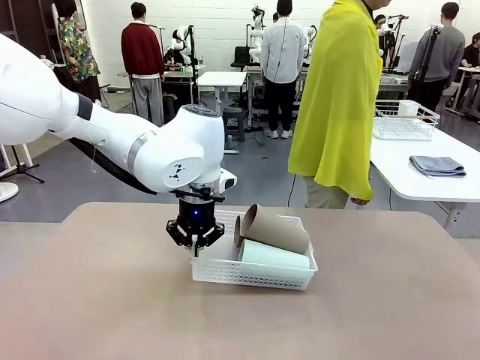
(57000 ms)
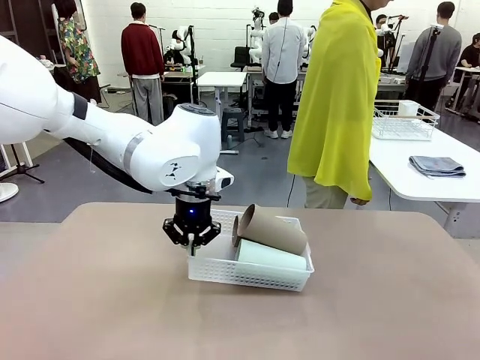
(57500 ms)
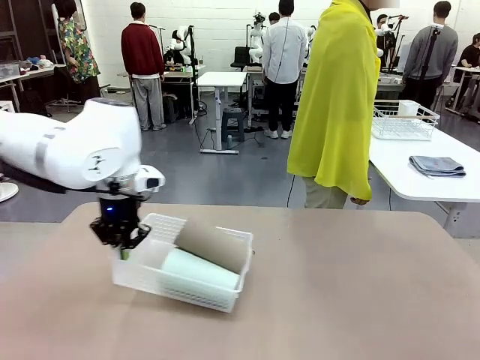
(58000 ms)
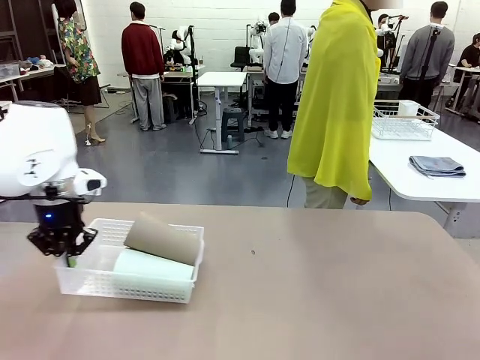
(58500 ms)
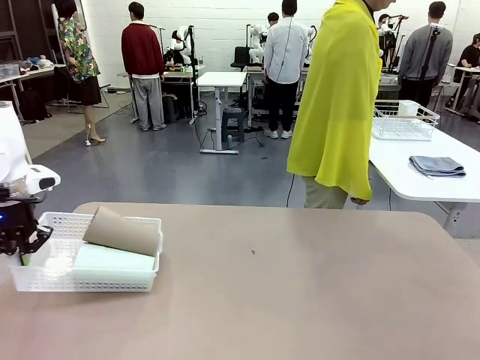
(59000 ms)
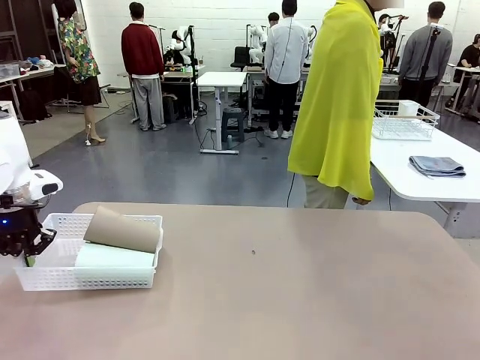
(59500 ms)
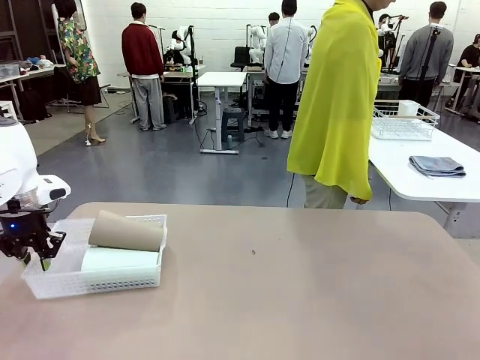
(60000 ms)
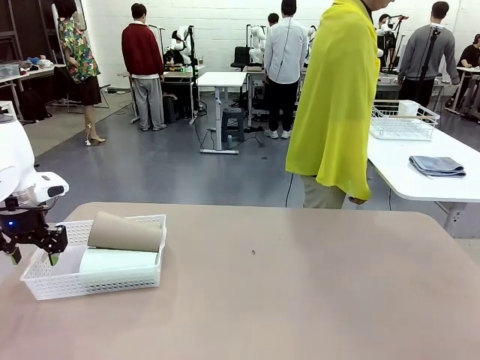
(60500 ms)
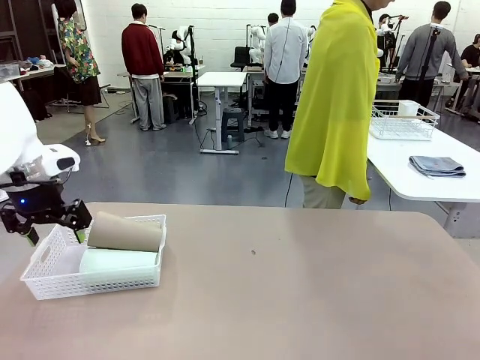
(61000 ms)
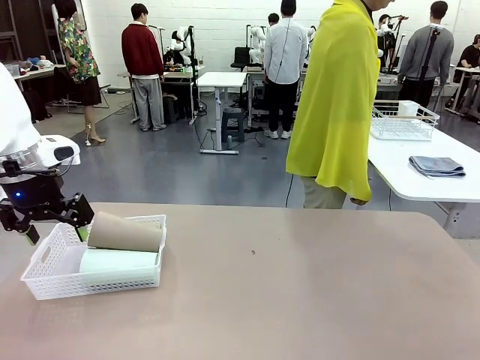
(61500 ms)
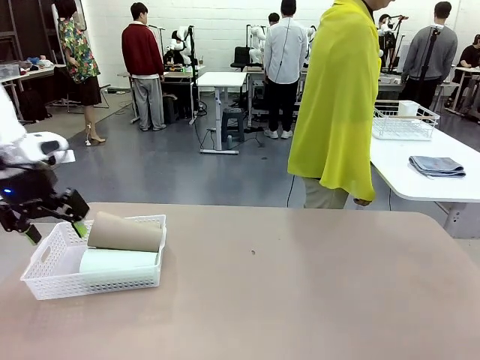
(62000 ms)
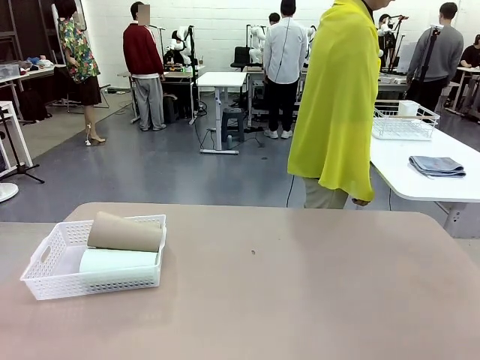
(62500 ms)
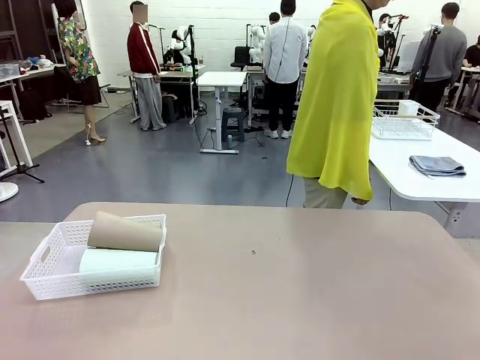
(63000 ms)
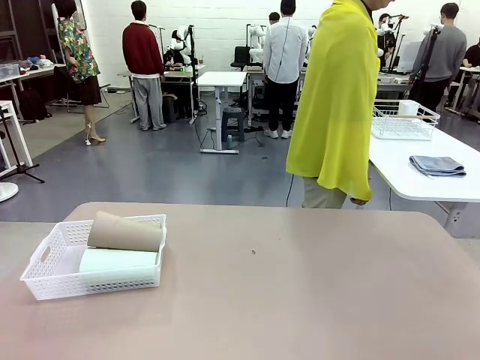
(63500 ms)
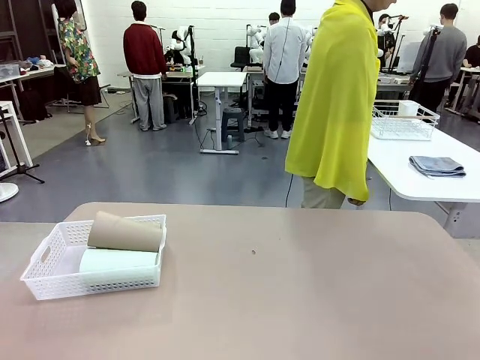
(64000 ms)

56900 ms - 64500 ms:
Task: Clean and organize the cups into the basket.
Robot: Move the Organizing basket back to the left side of the table.

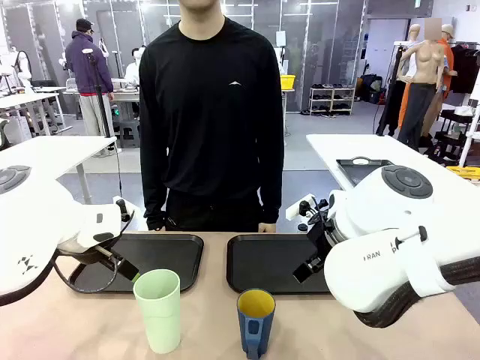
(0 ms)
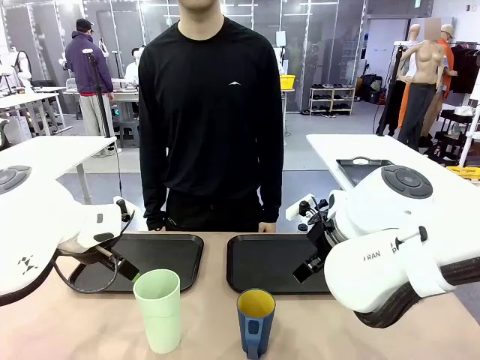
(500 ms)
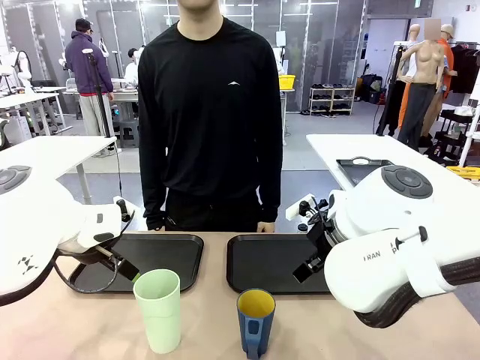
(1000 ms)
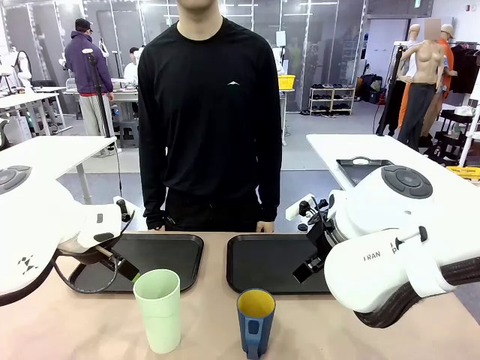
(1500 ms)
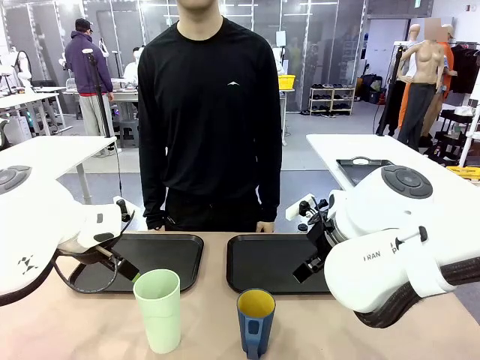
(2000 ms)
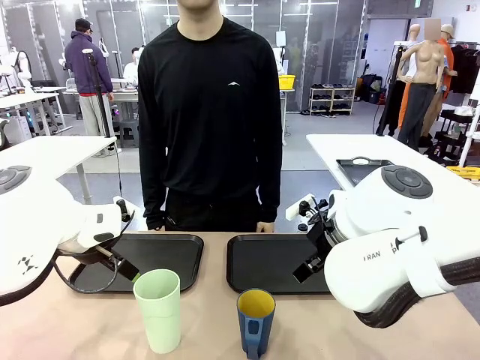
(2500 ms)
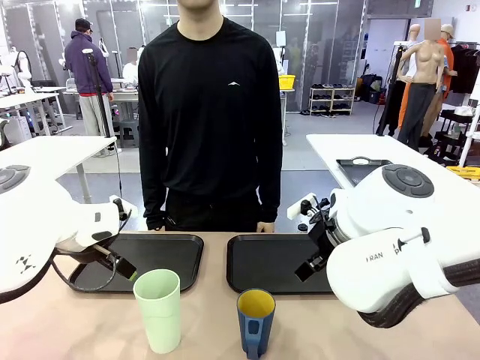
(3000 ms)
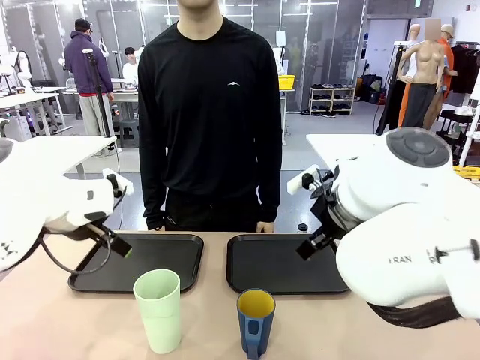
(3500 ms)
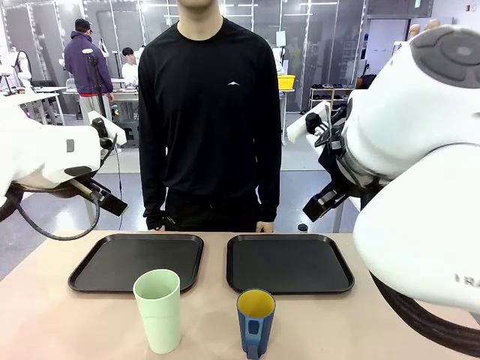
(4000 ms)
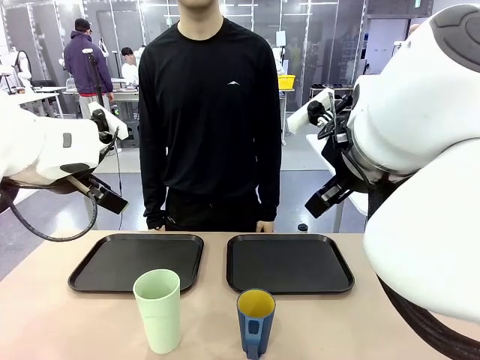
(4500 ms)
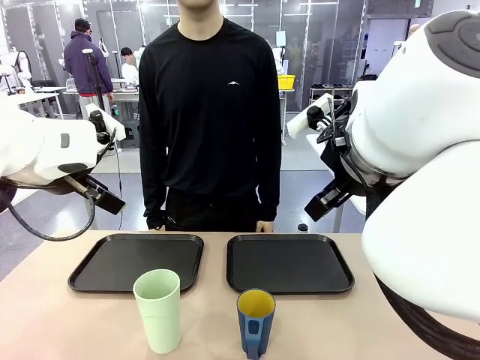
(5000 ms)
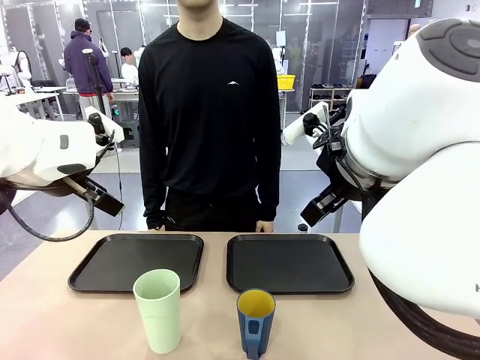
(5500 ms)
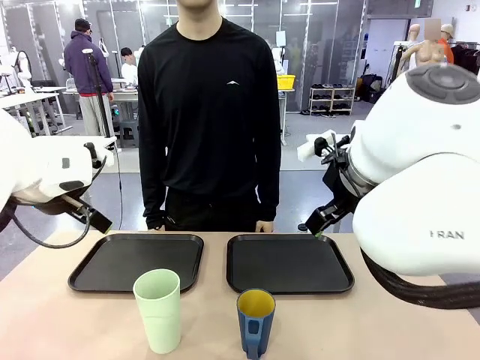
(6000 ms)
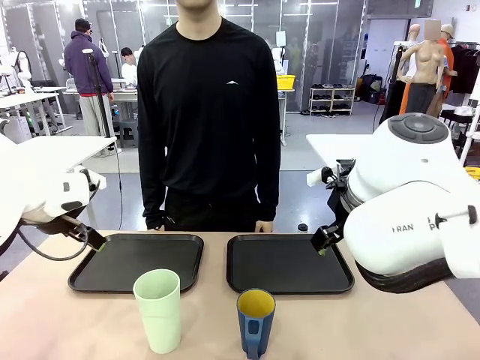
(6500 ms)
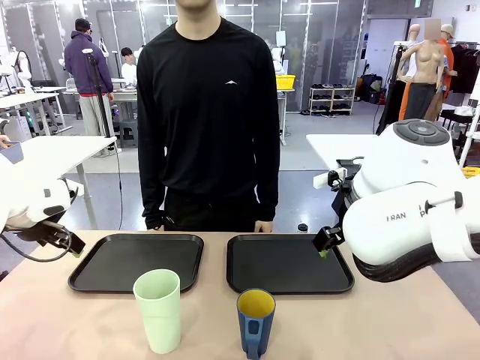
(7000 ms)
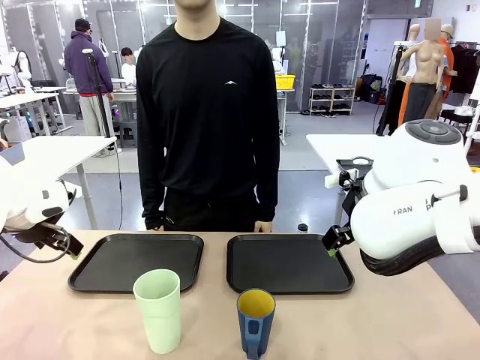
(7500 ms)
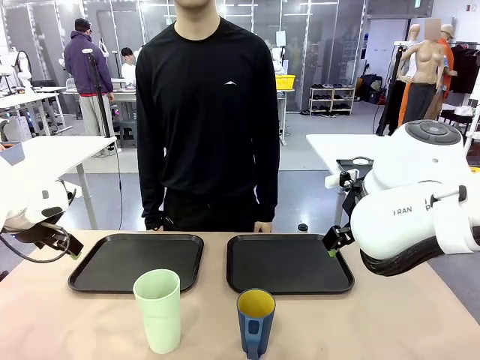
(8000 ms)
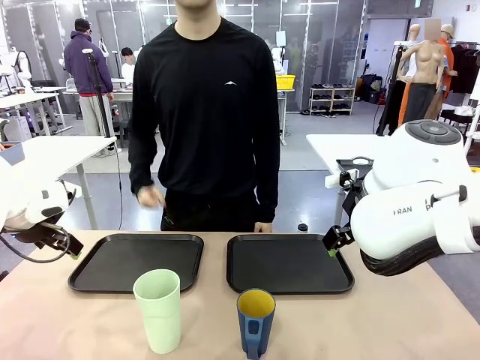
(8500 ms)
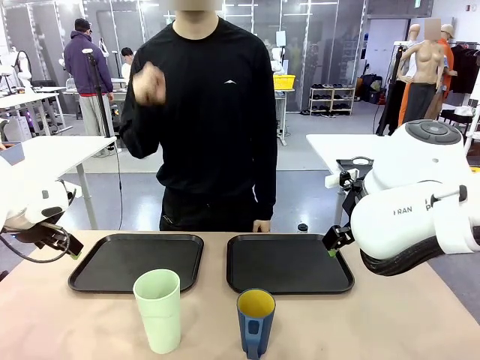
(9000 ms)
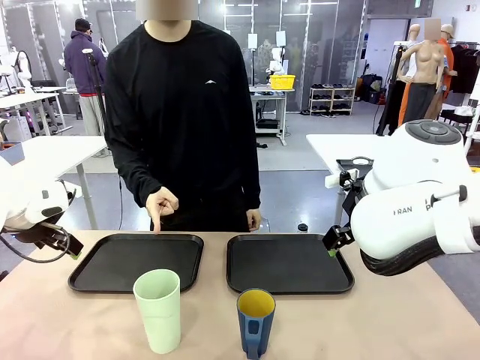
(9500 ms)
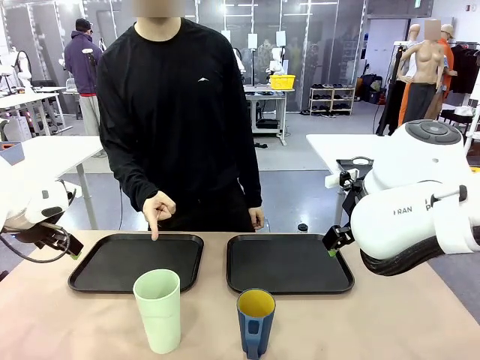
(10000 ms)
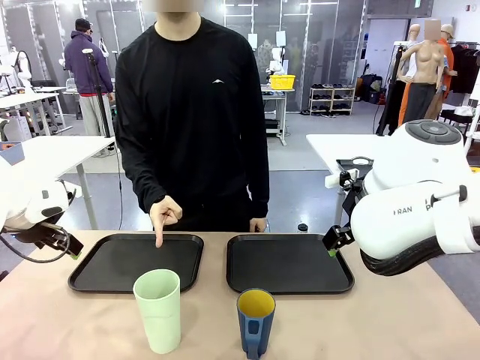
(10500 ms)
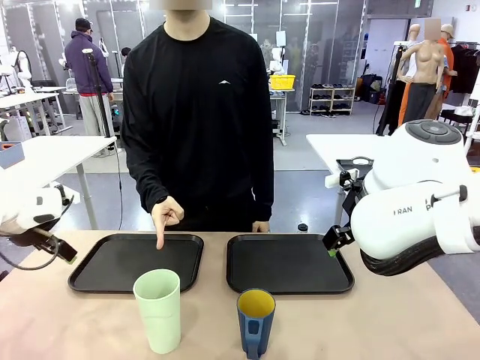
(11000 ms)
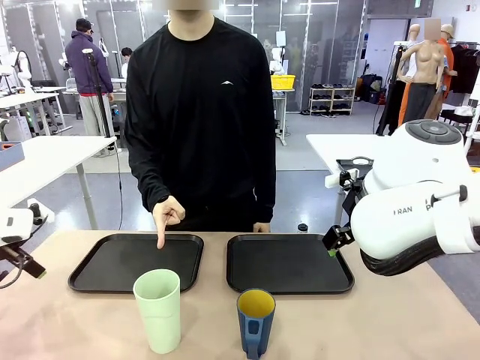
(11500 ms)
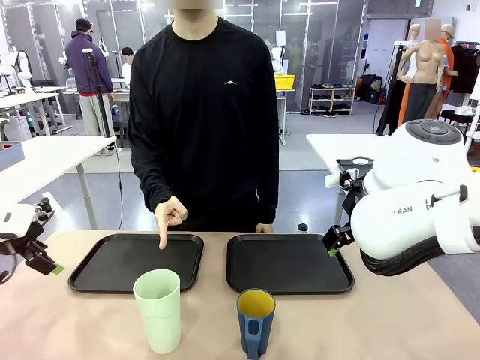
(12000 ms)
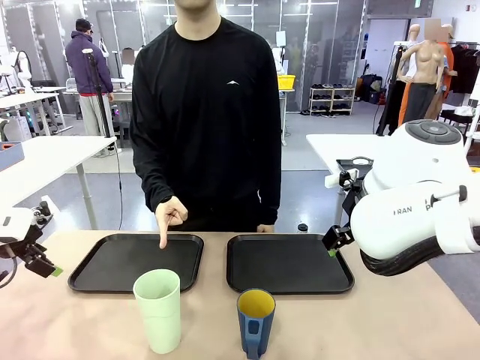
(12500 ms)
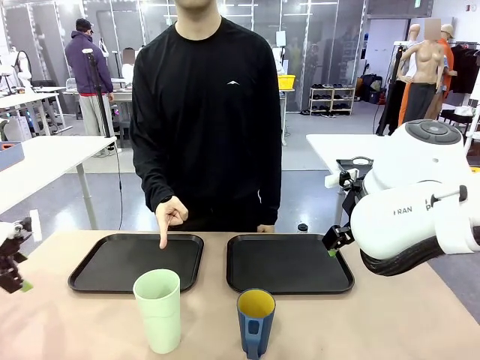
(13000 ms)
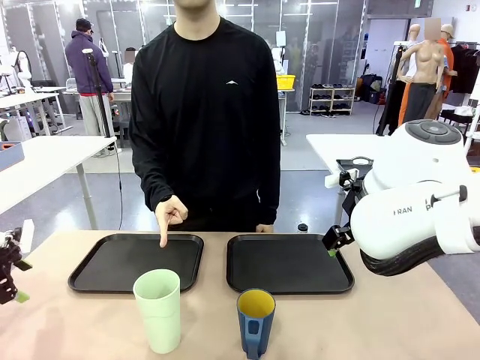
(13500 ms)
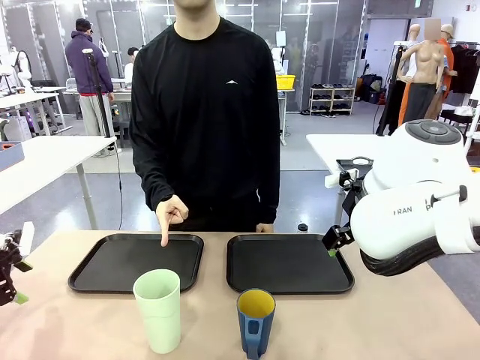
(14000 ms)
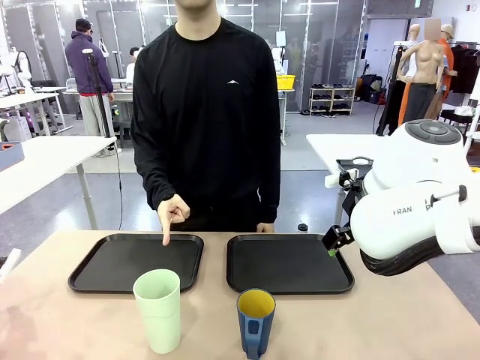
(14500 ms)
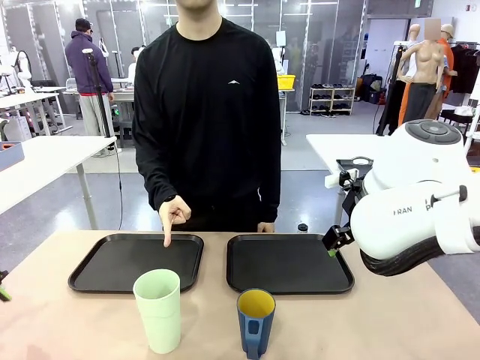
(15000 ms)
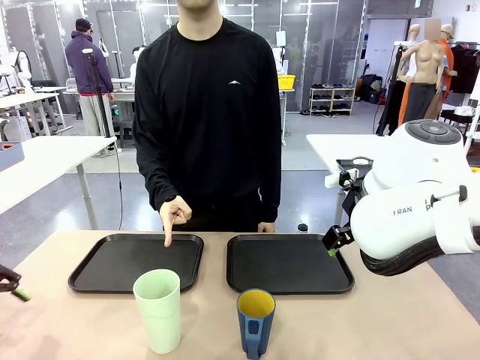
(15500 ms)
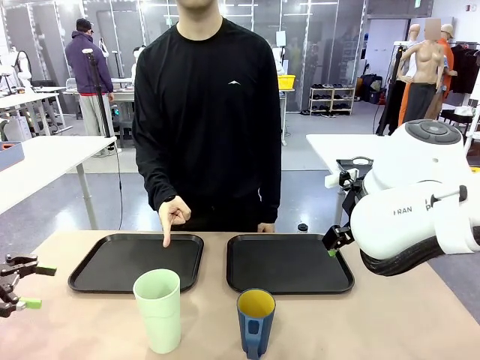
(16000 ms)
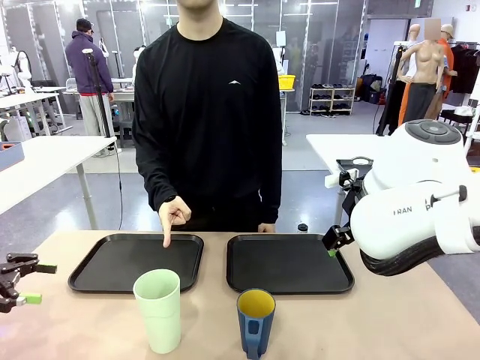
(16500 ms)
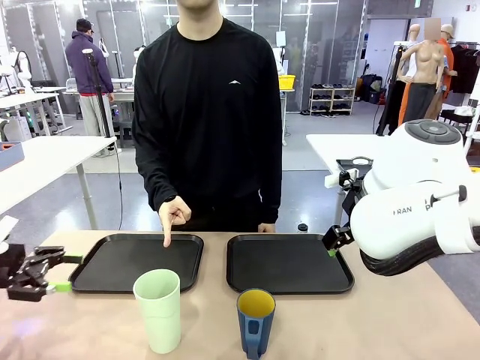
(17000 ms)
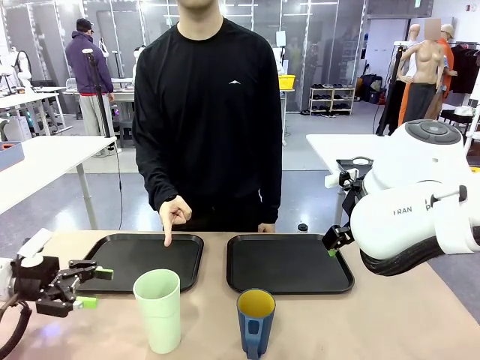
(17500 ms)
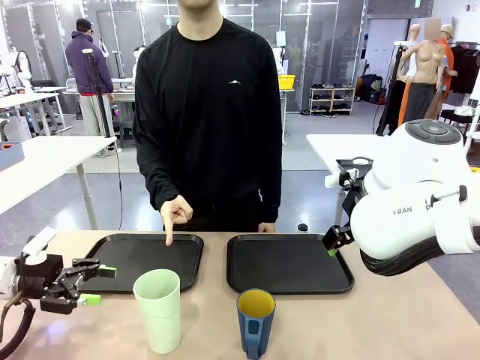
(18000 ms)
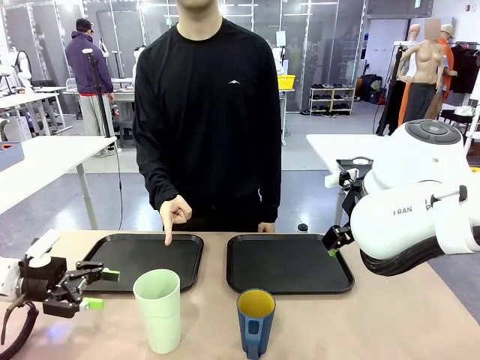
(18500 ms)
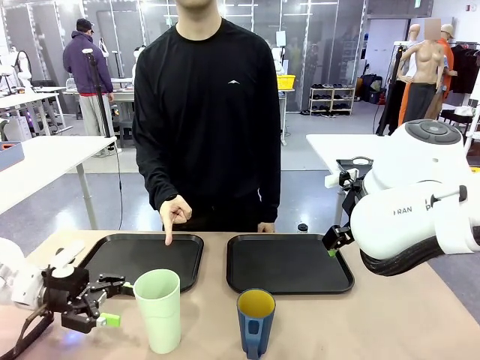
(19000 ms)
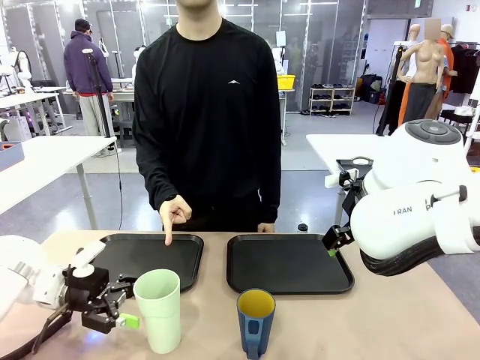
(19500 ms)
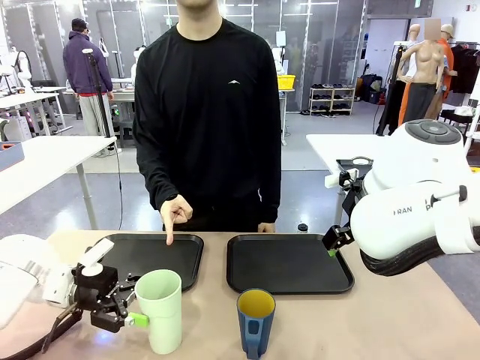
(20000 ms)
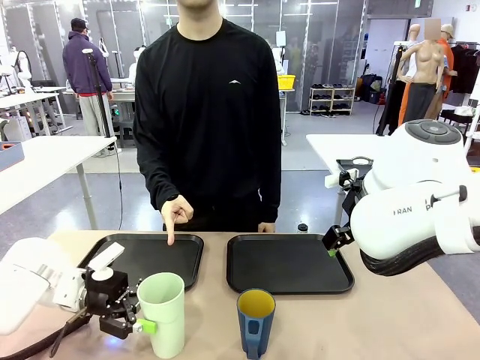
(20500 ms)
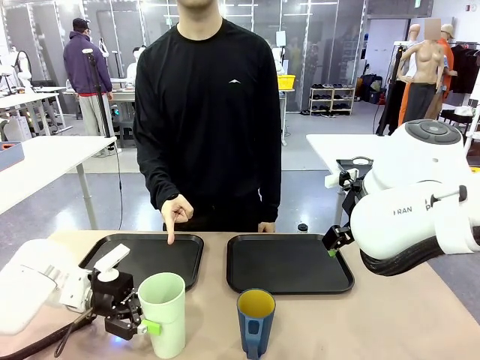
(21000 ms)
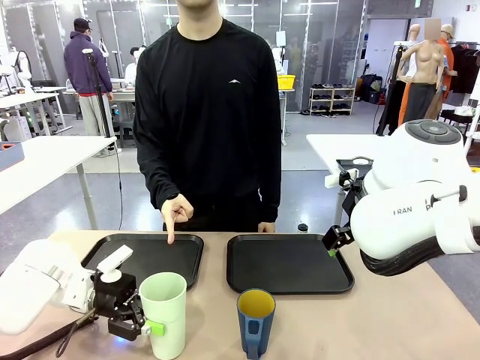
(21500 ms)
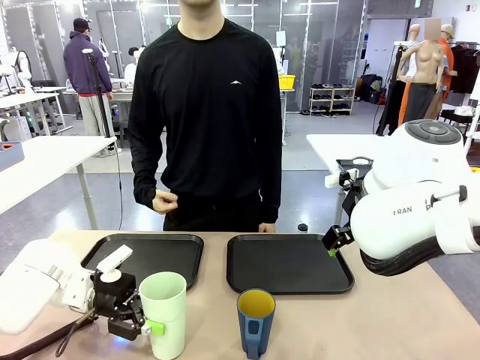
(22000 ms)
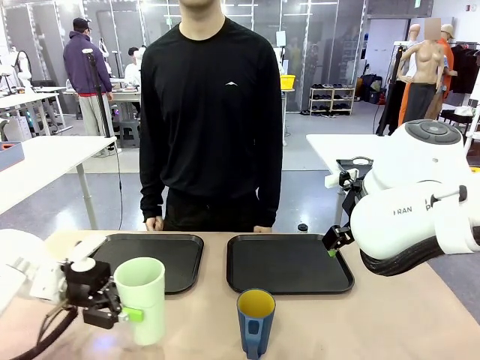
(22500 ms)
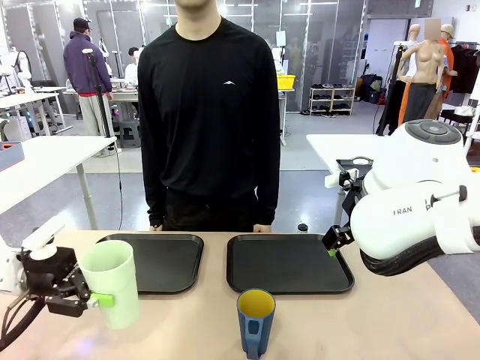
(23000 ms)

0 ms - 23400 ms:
Task: Sort and store the cups by type.
Robot: Pick up the Reusable plastic cup.
Person: Points to the reusable cup. Point to one of the two trays.
